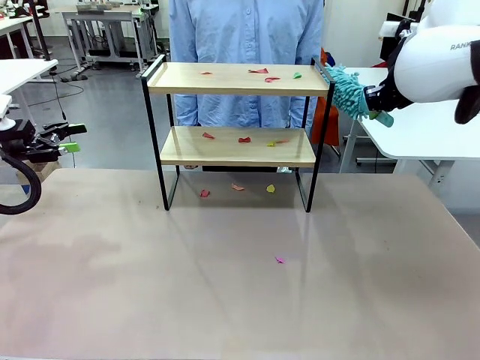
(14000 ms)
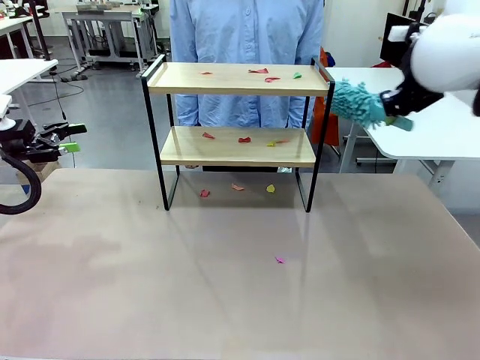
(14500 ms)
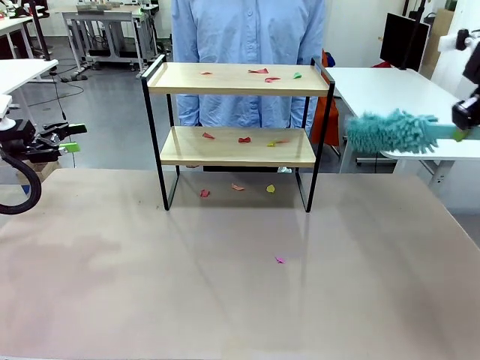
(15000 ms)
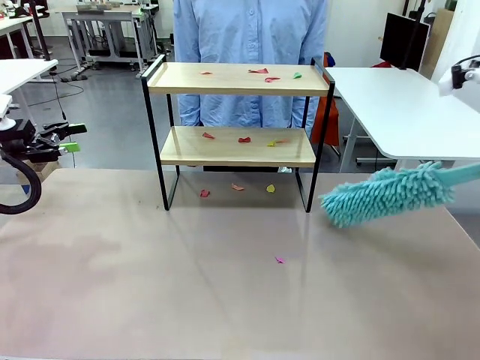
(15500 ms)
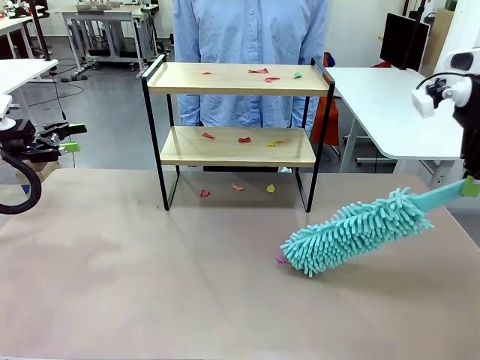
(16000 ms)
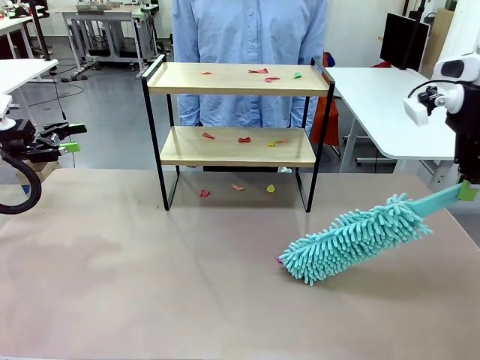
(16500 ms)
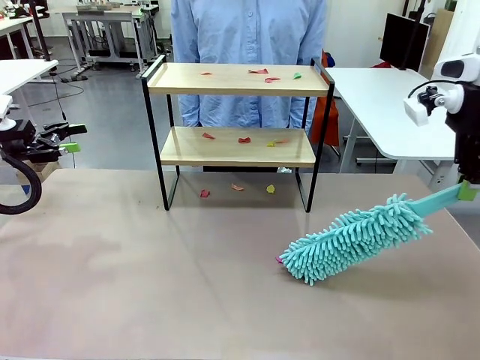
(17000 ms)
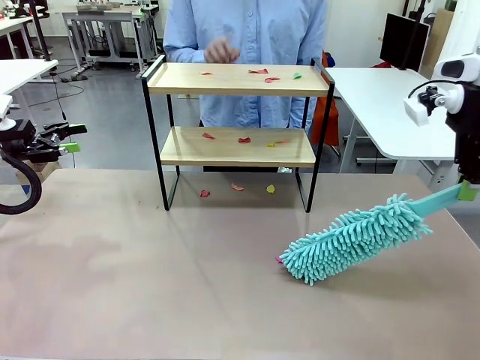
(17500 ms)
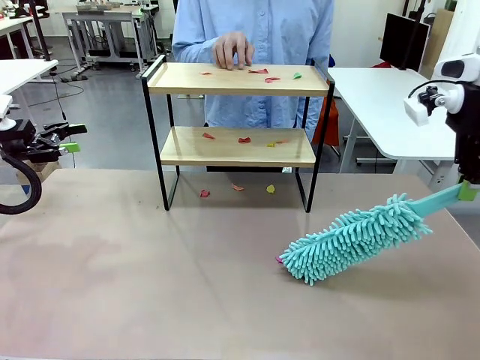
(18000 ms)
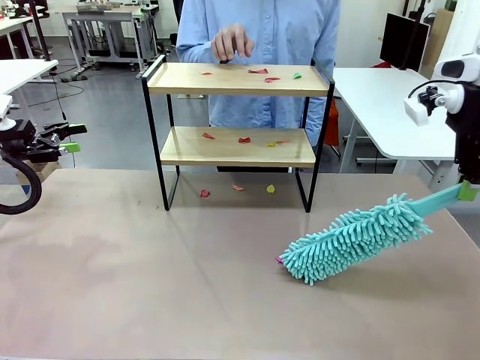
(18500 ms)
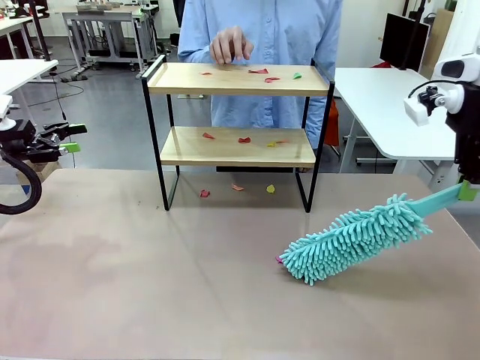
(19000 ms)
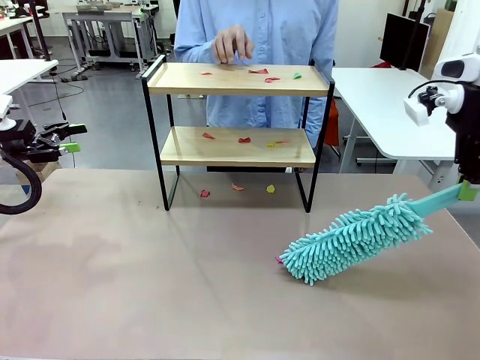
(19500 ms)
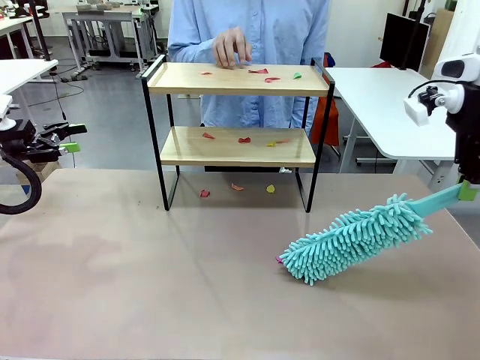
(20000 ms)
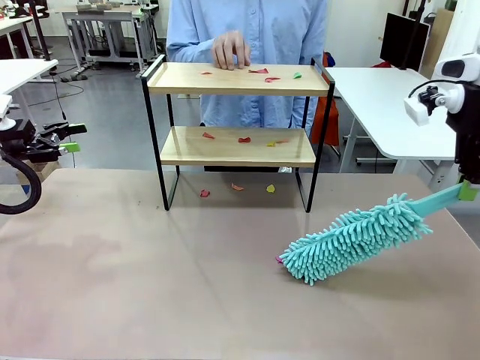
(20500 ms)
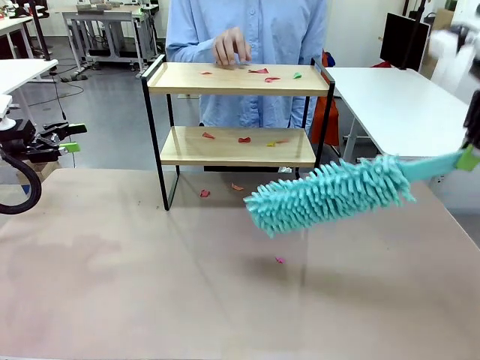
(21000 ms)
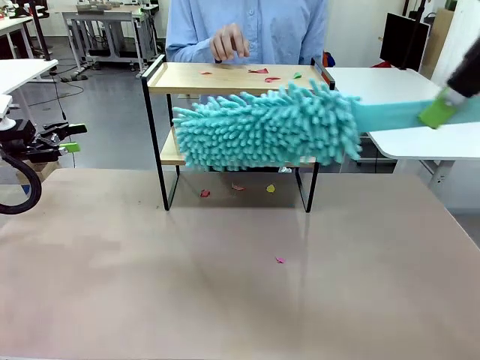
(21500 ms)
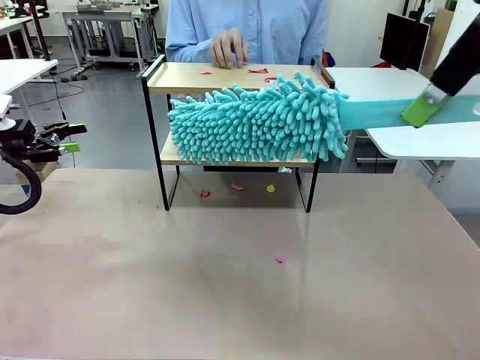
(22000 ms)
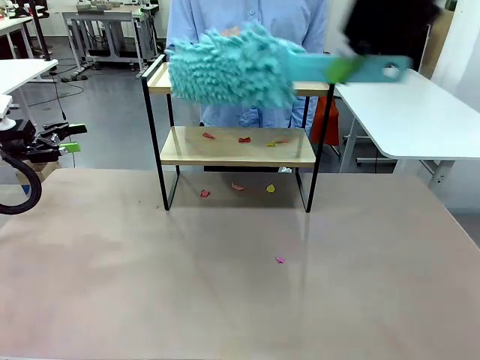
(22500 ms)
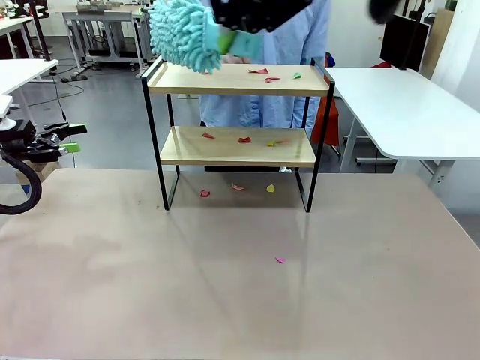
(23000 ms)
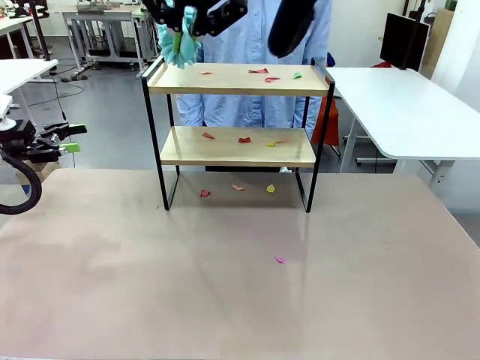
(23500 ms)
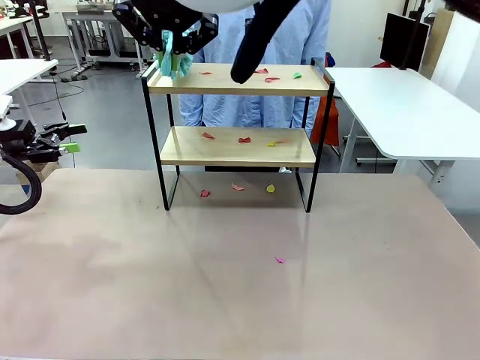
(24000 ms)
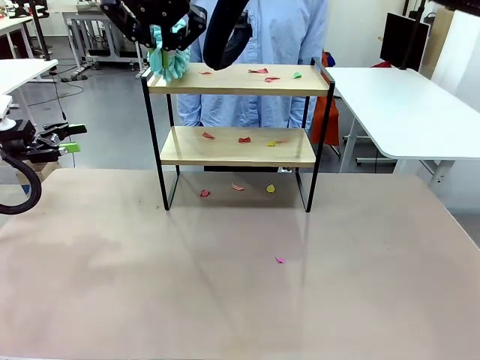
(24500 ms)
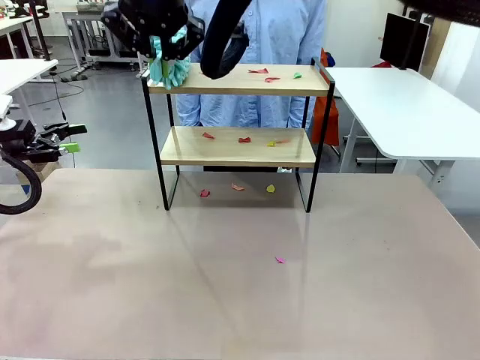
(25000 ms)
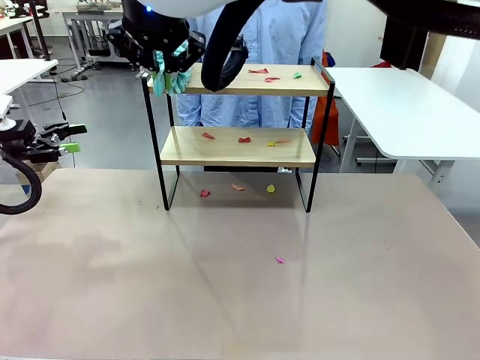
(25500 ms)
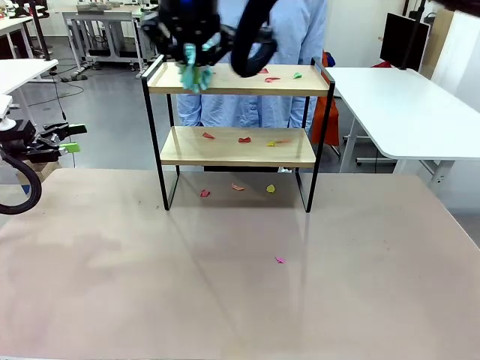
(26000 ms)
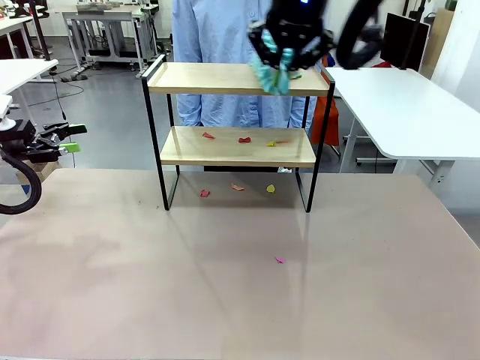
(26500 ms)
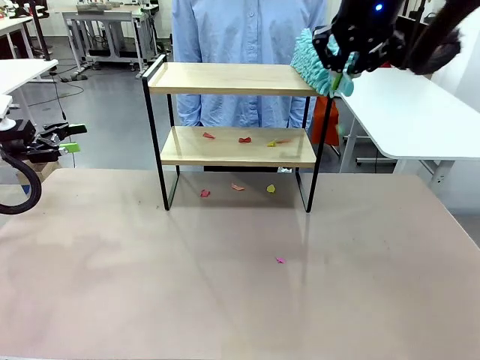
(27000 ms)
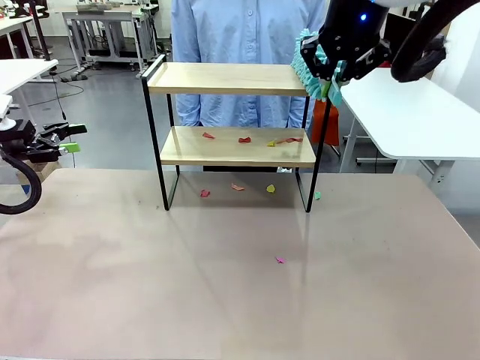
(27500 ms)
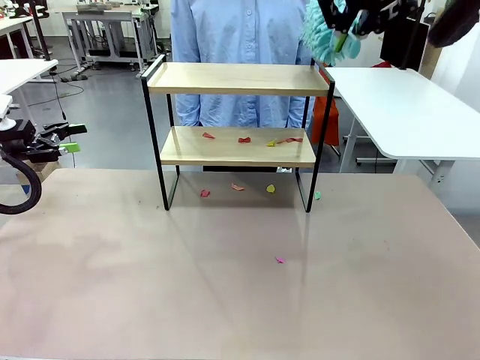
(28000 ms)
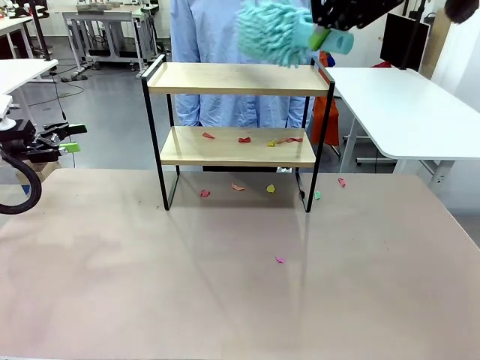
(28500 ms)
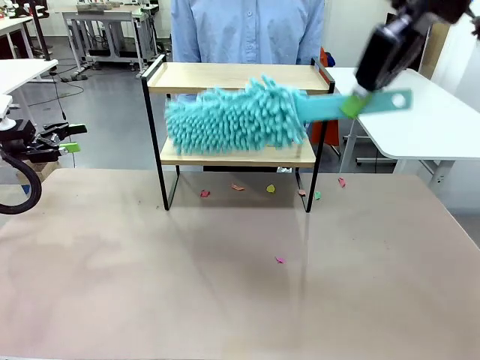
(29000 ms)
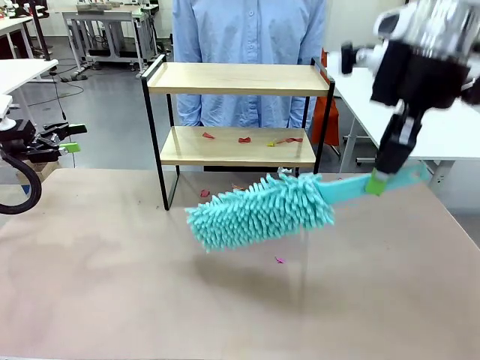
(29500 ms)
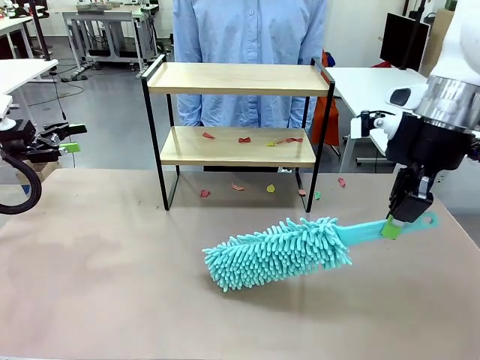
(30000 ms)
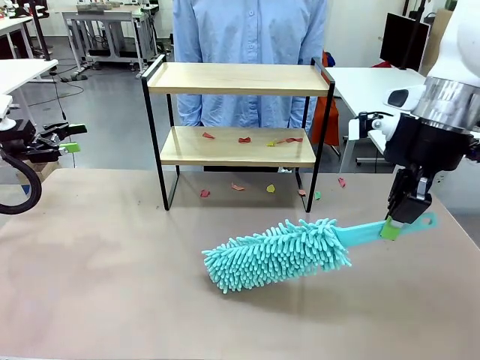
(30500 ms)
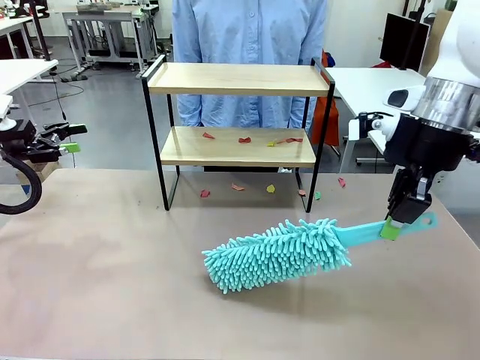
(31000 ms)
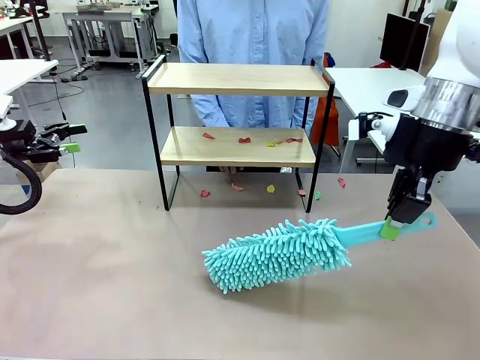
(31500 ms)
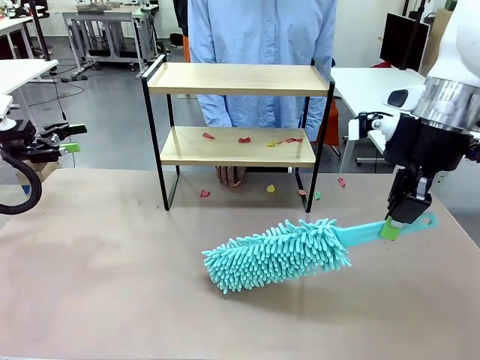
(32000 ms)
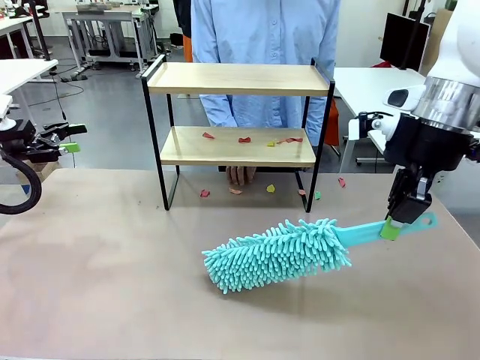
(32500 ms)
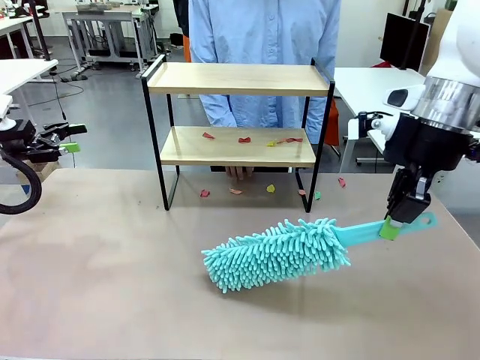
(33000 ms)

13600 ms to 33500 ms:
Task: Clean the shelf.
Robot: Clean the specific section of the Shelf indicated by the human with the Duster.
Person: Point a random section of the Shelf.
